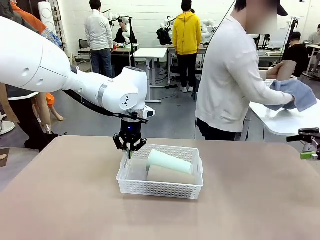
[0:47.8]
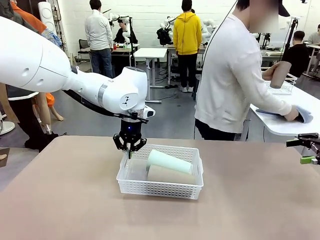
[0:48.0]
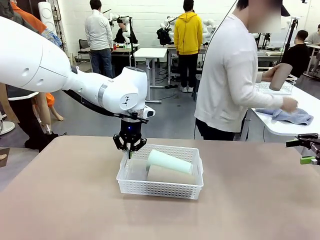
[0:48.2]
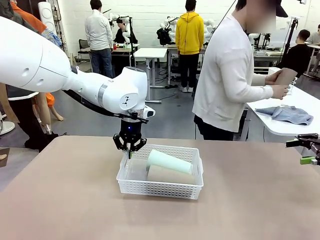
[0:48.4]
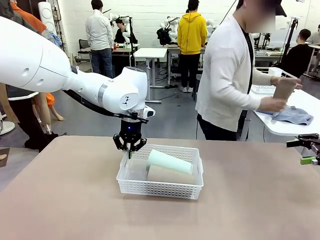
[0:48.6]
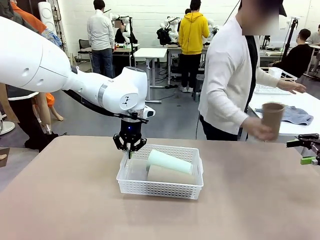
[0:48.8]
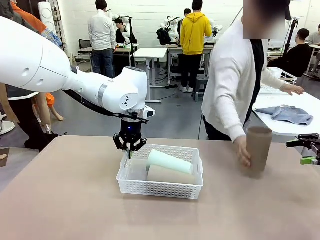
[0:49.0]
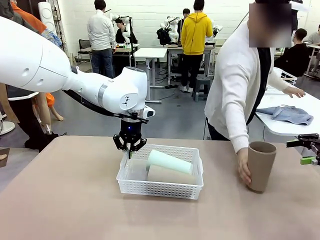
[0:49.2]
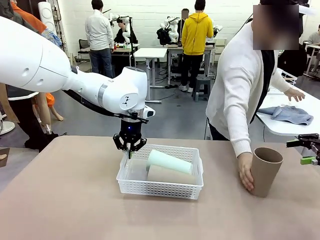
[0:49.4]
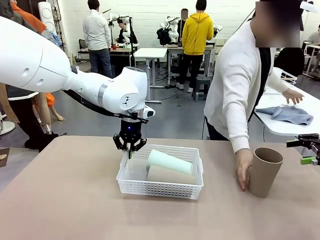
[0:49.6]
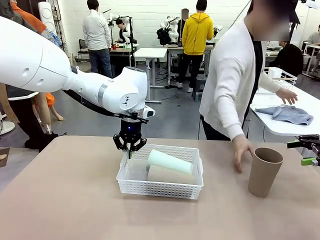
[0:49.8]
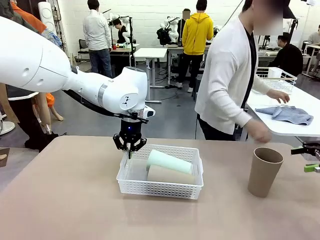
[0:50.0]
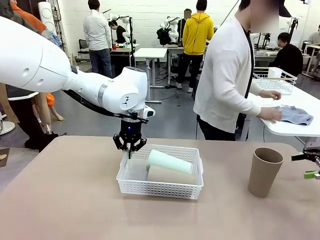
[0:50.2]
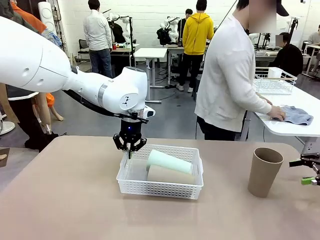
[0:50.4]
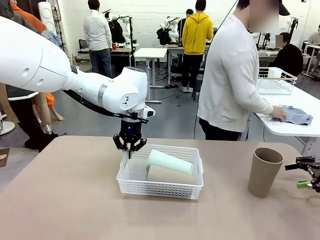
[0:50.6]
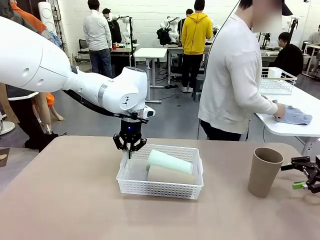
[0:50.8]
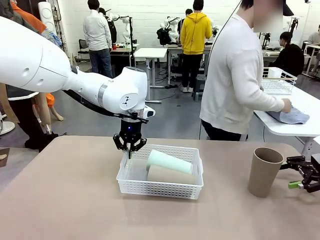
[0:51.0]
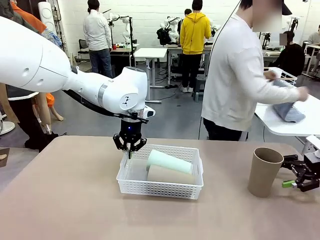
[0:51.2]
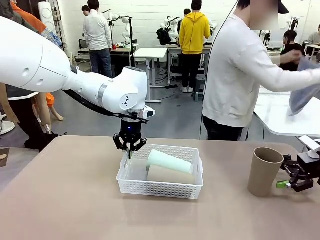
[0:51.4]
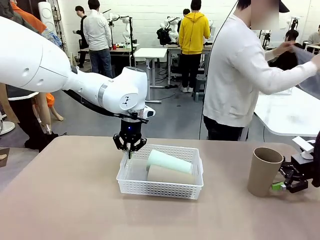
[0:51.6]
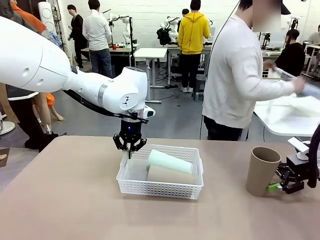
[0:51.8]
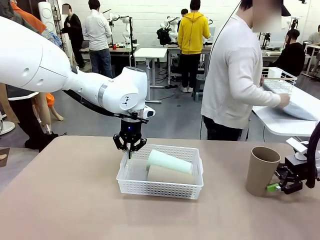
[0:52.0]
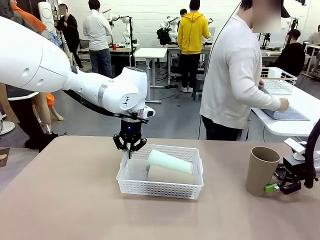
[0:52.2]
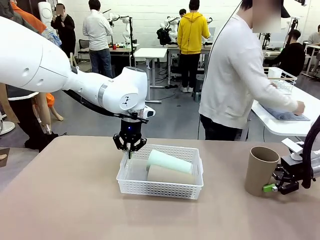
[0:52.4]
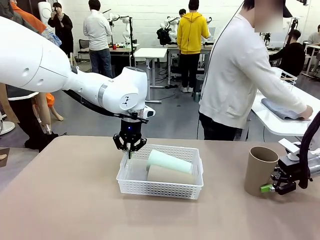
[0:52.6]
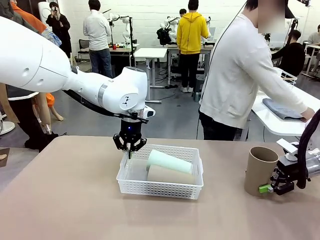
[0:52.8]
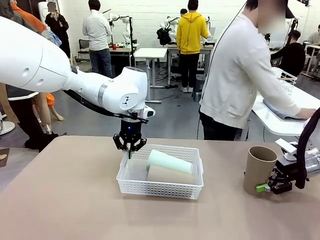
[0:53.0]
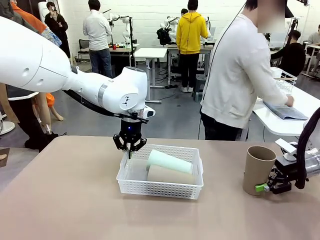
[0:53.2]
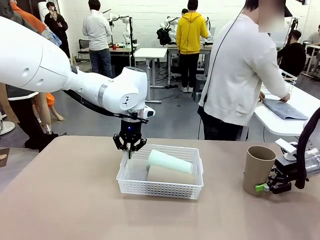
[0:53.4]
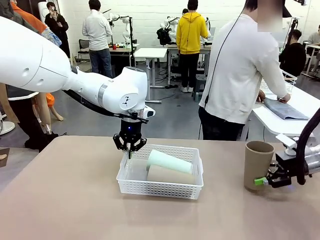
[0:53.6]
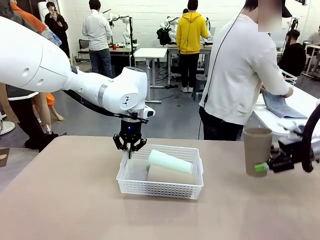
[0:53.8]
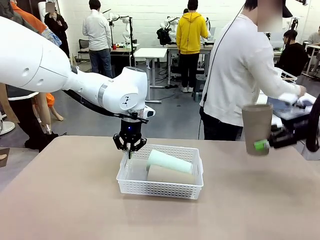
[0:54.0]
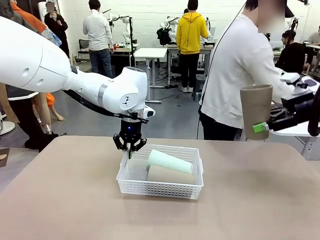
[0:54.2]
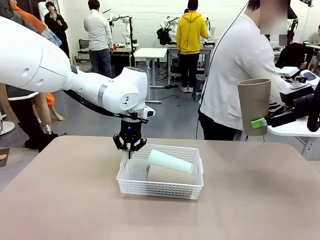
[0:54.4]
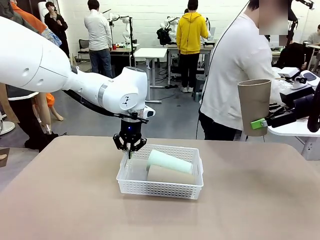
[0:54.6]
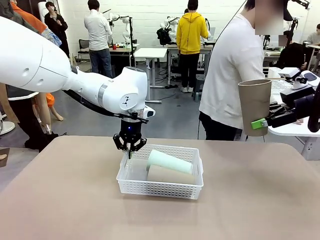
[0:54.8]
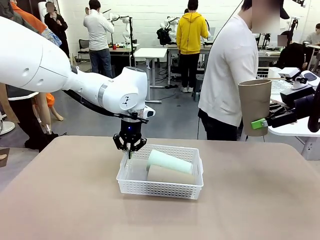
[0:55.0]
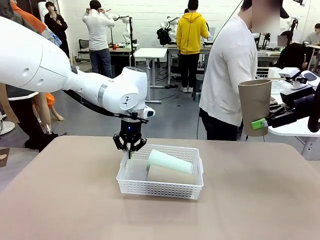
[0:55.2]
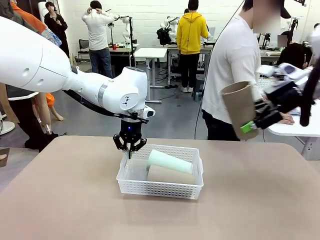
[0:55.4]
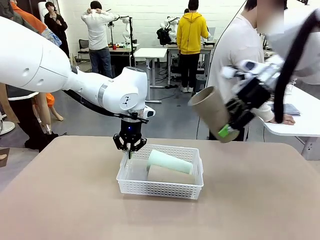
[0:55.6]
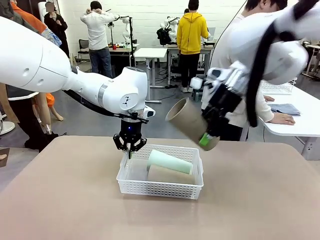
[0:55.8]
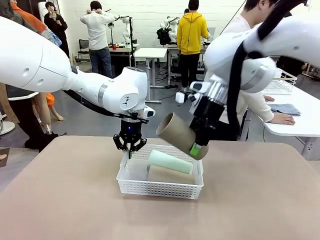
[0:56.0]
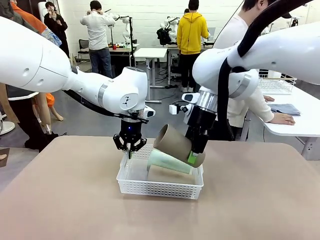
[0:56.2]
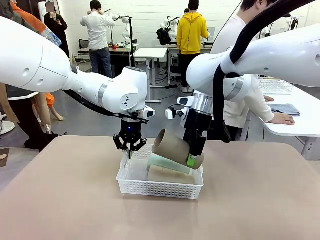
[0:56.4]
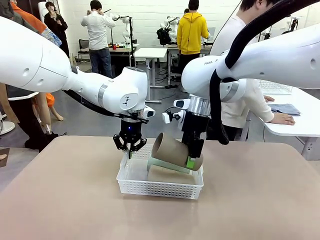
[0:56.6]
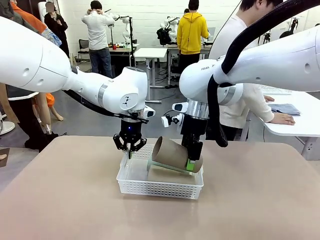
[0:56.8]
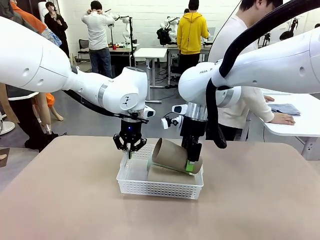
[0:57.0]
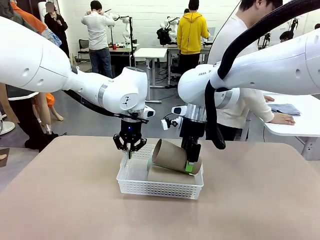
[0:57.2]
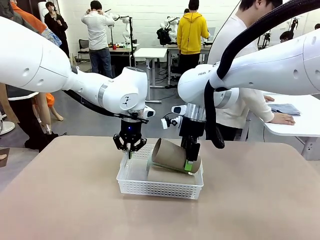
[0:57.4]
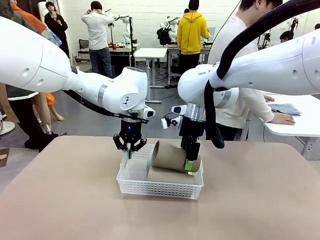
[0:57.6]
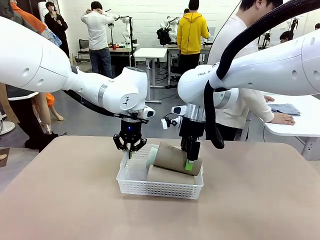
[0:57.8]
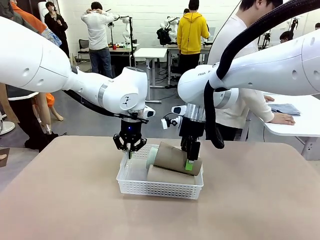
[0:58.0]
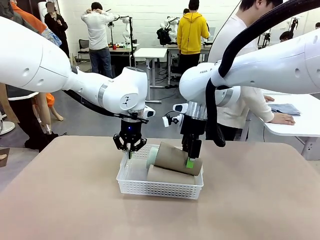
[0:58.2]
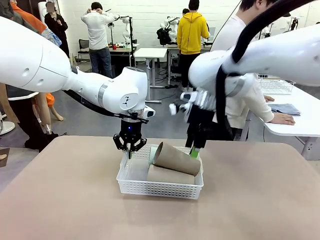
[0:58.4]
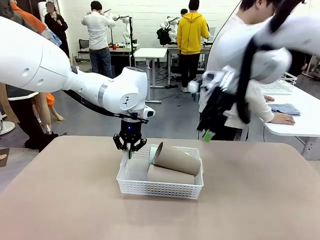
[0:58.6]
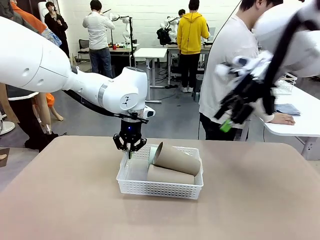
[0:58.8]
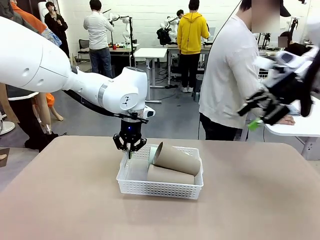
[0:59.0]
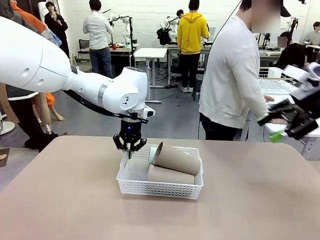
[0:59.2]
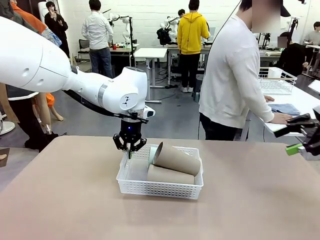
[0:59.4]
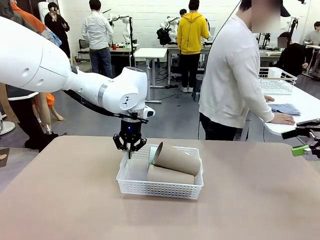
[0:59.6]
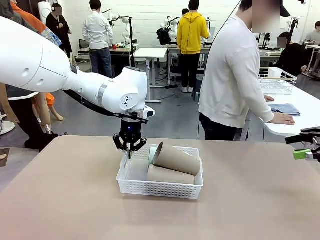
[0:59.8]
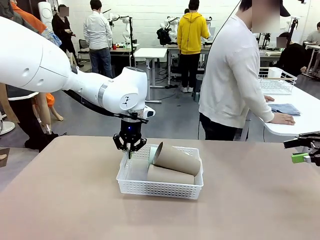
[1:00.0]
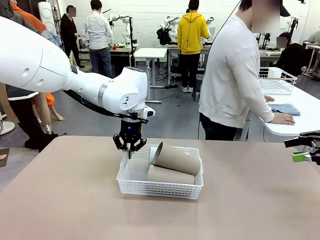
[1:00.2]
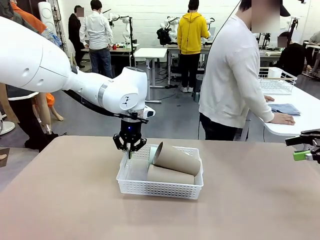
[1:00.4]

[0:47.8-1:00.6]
Task: Clean and organize the cups into the basket.
Robot: Pick up the Reusable plastic cup from the right side of the table and stack it inside the Organizing basket in the center of the table.

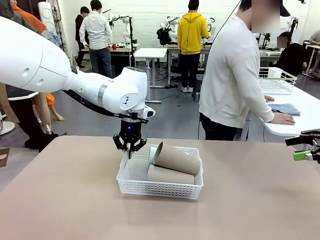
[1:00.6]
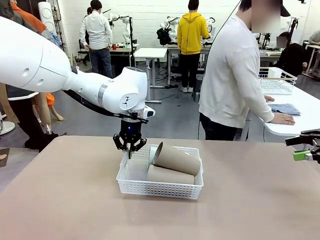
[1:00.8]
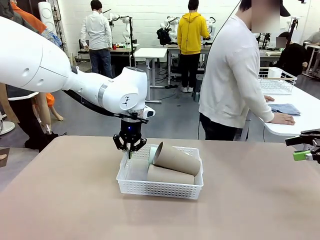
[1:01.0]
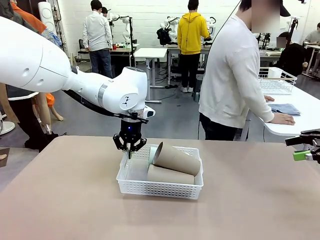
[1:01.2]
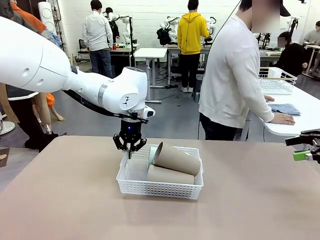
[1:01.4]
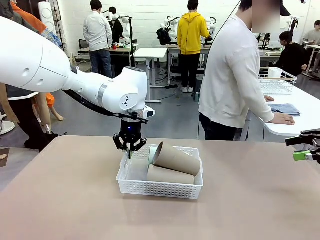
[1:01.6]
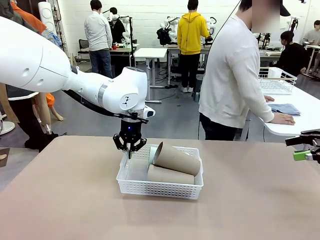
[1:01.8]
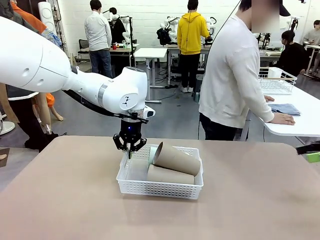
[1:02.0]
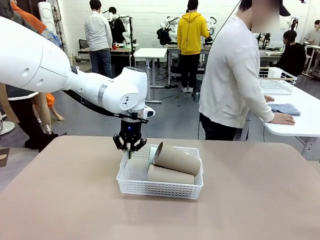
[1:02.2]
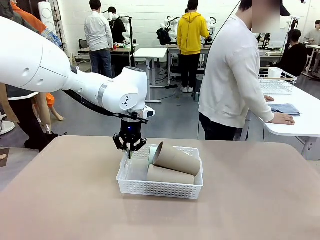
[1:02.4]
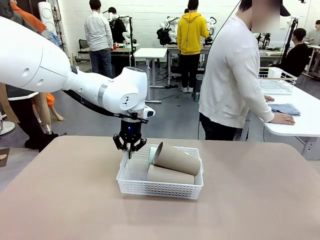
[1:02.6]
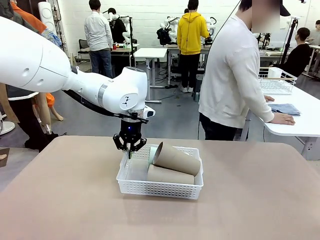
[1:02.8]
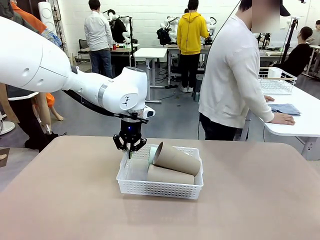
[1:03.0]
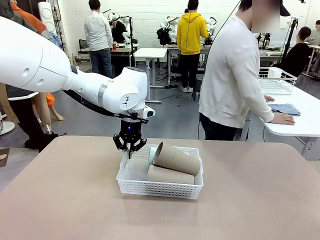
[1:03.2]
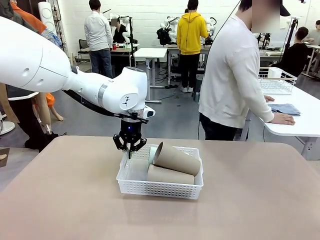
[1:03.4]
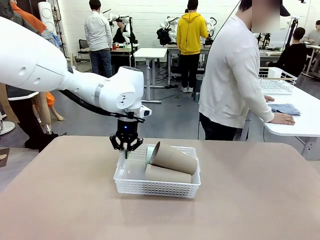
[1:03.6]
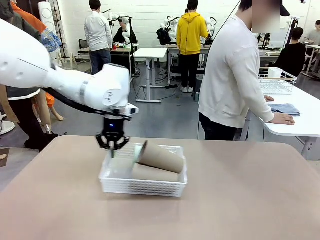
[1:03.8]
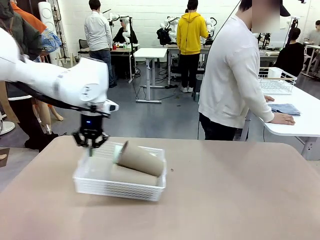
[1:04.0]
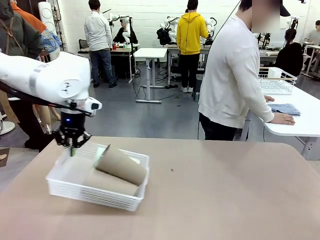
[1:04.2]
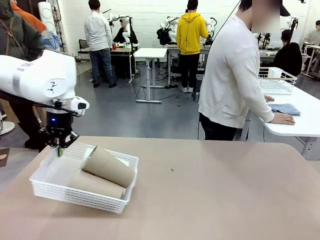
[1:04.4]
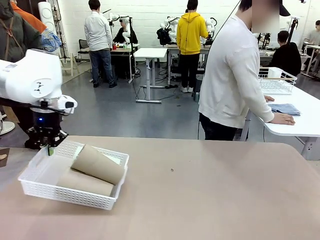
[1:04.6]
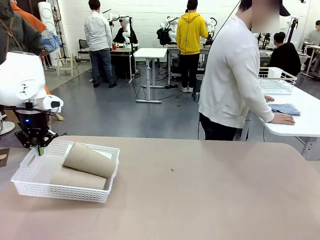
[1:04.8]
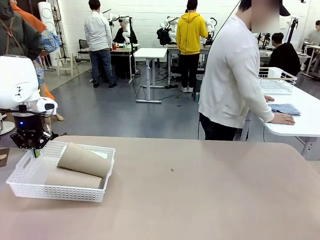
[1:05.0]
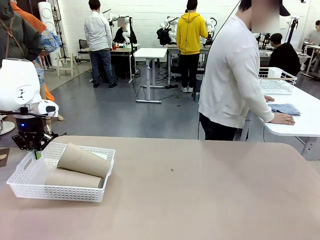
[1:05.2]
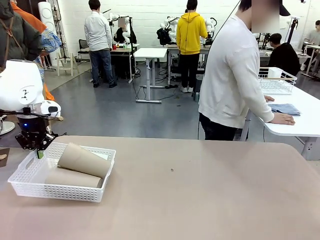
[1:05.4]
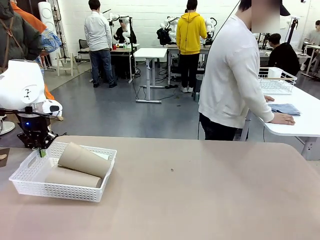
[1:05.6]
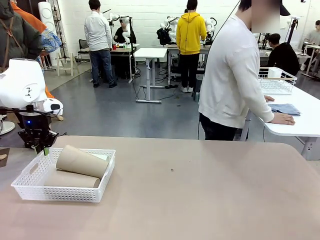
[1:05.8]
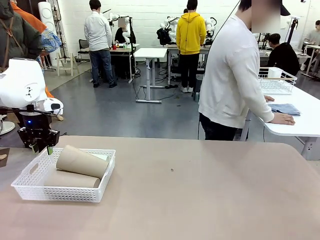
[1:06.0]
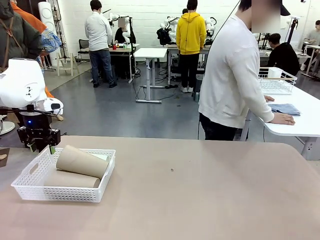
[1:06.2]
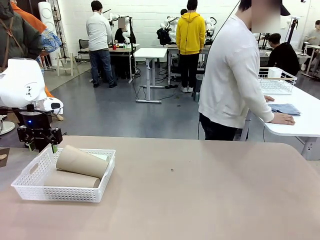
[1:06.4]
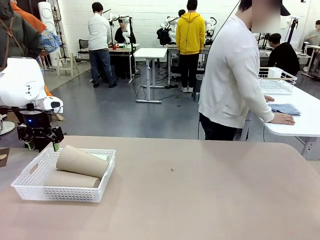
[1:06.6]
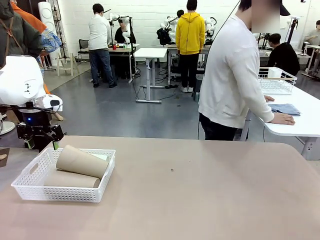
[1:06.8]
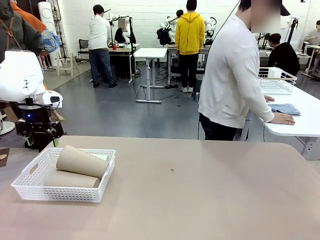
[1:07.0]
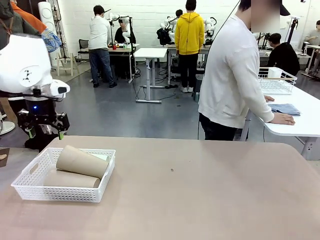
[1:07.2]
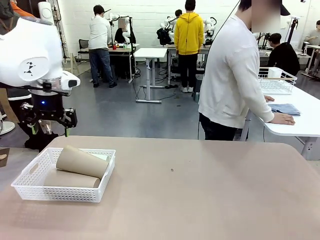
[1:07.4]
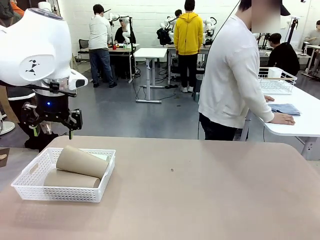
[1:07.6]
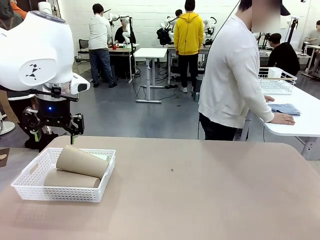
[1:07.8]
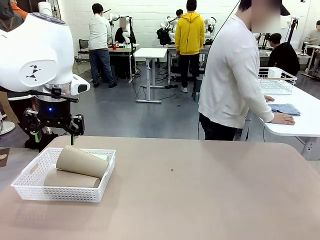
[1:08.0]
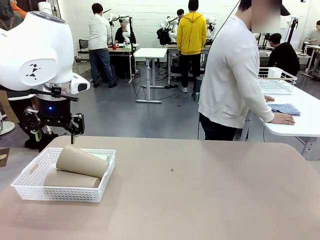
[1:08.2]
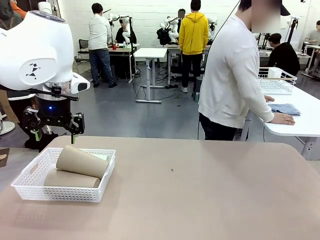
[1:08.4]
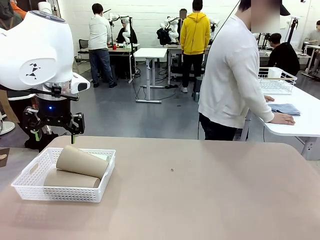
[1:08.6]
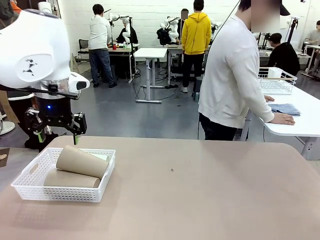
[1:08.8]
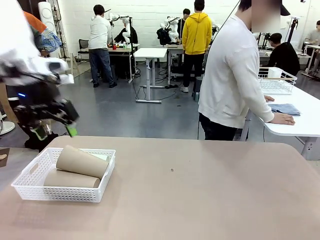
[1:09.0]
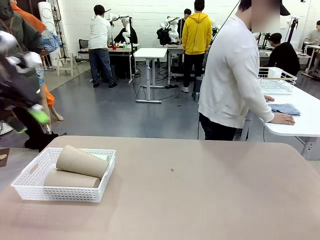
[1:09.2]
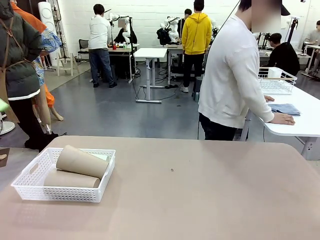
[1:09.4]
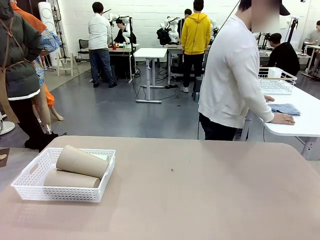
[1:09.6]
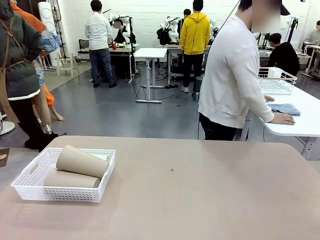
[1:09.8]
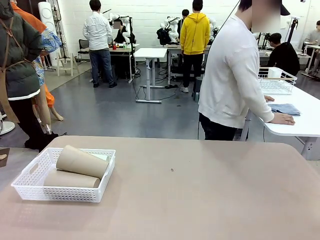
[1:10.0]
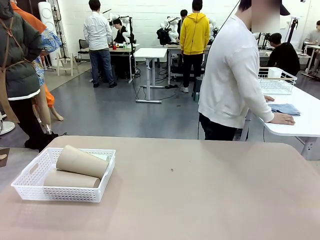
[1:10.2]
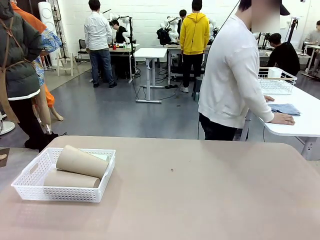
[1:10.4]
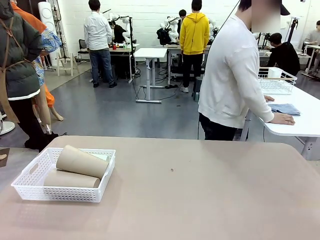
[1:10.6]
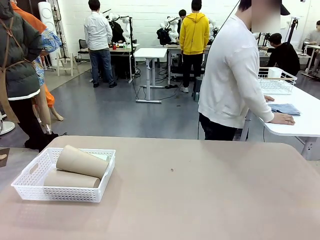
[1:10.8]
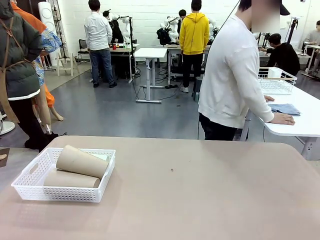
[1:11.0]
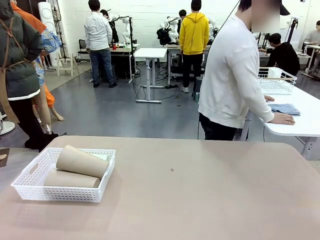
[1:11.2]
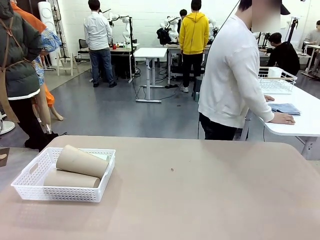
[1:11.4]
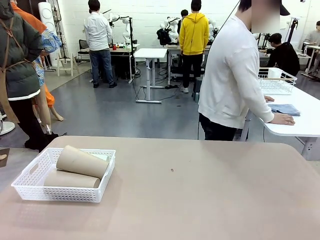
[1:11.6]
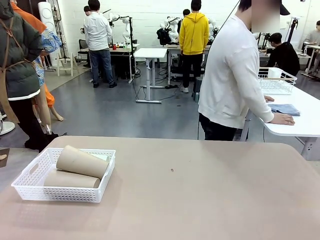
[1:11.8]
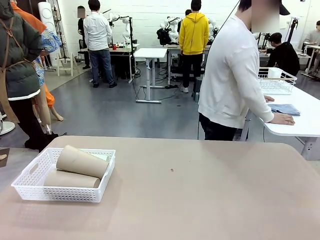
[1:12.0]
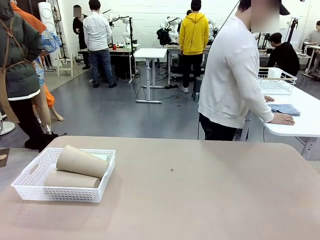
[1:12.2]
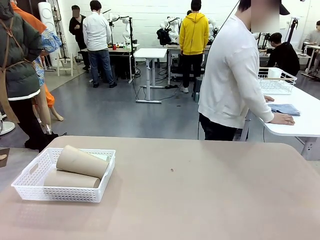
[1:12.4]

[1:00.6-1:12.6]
Robot: Move the Organizing basket back to the left side of the table.
Person: Folds the towel in half twice and places it in the right of the table.
